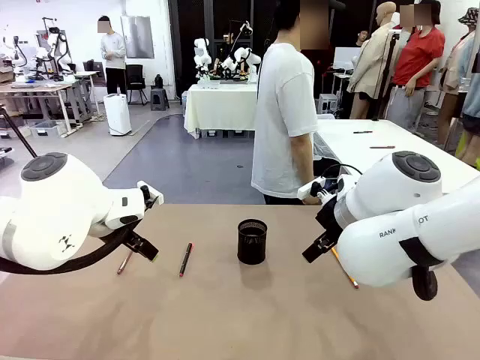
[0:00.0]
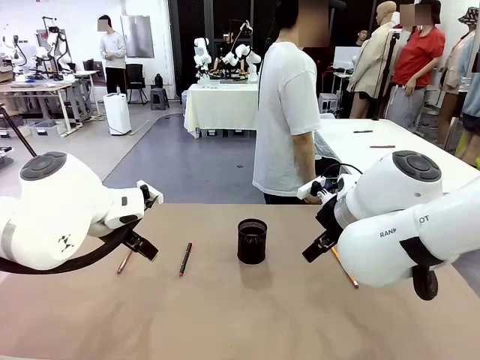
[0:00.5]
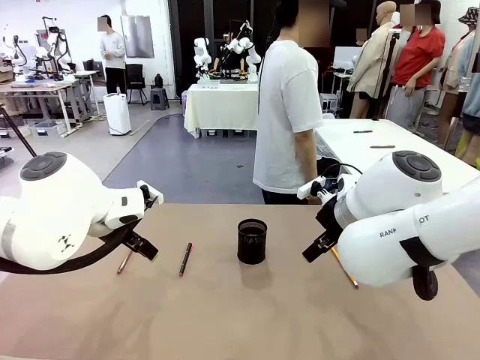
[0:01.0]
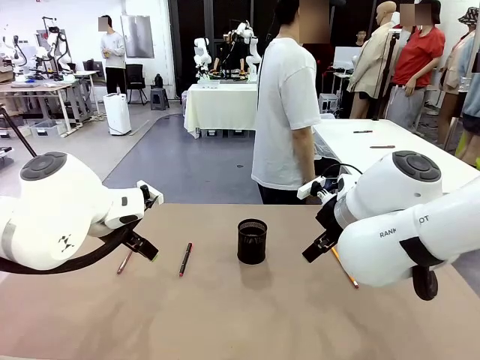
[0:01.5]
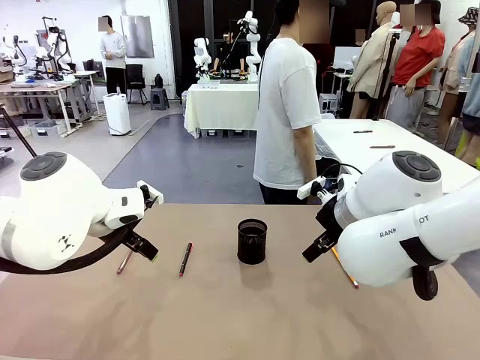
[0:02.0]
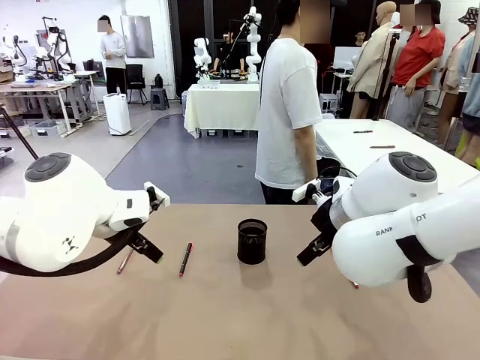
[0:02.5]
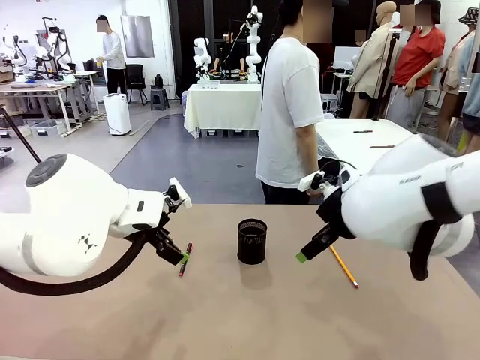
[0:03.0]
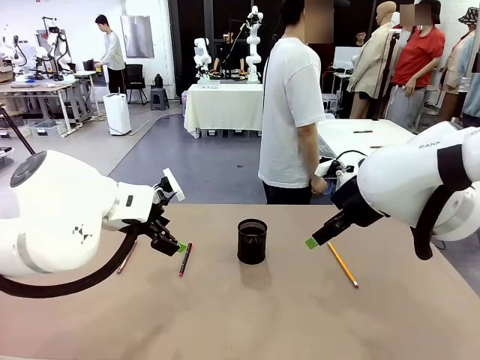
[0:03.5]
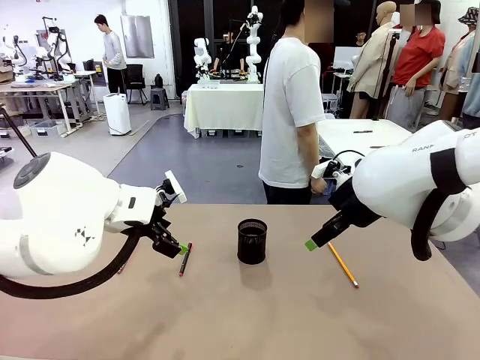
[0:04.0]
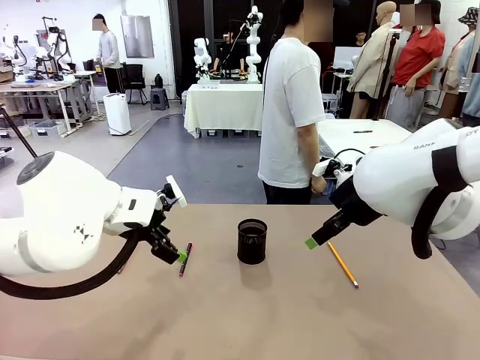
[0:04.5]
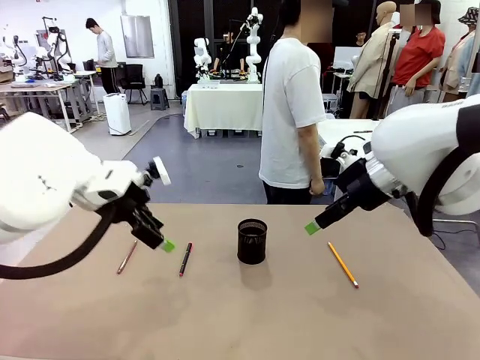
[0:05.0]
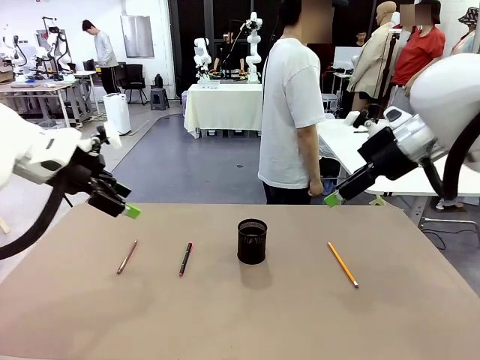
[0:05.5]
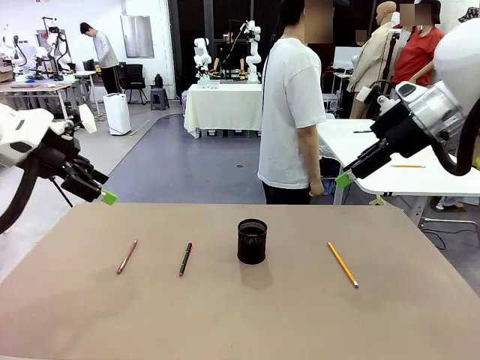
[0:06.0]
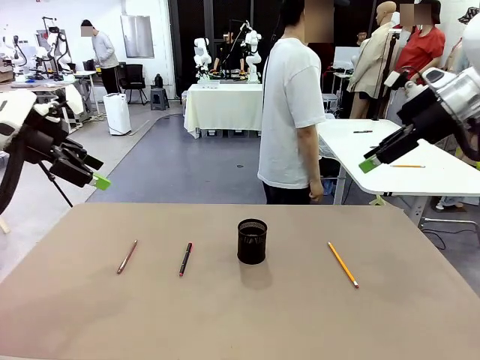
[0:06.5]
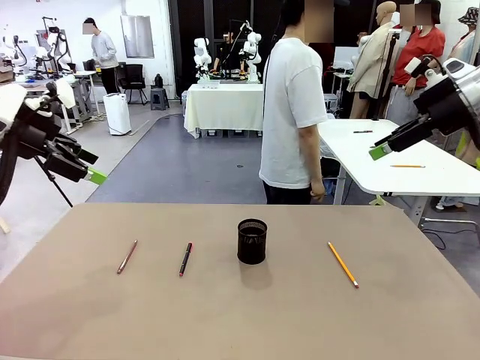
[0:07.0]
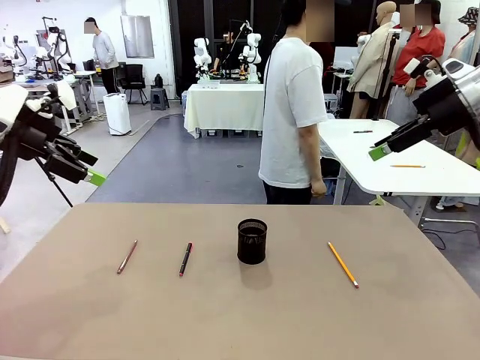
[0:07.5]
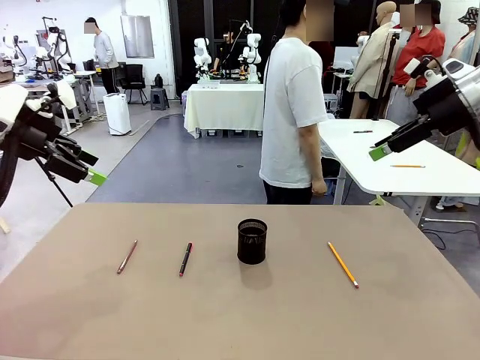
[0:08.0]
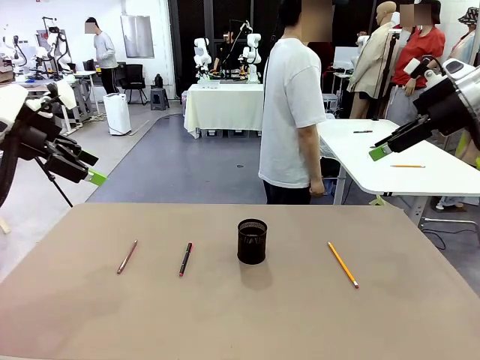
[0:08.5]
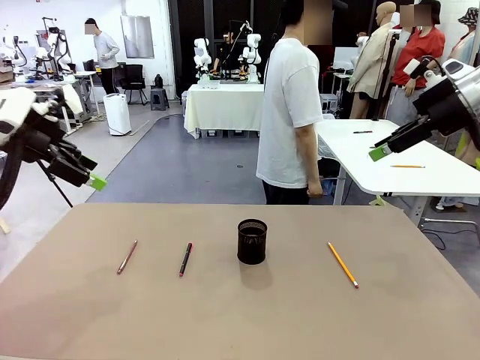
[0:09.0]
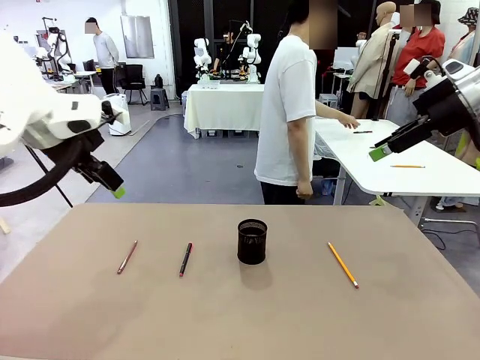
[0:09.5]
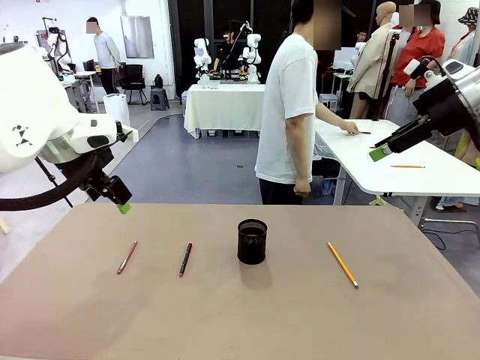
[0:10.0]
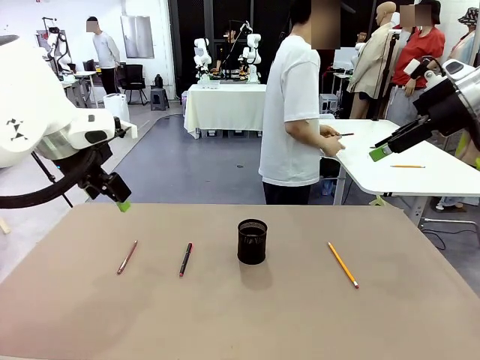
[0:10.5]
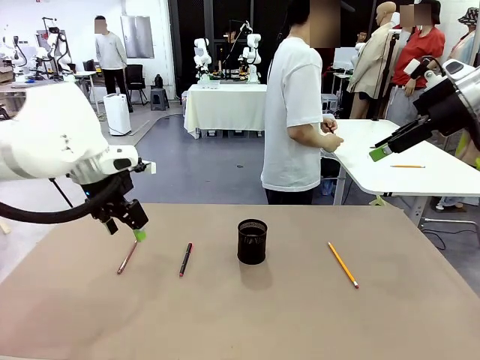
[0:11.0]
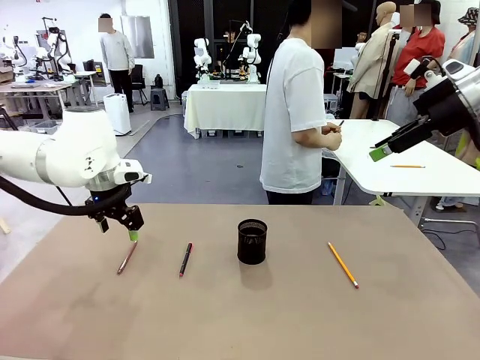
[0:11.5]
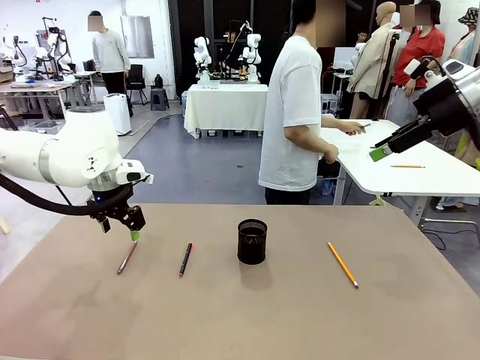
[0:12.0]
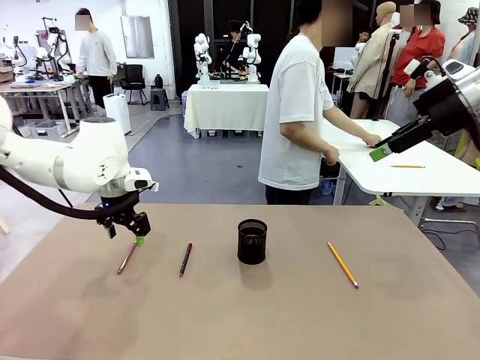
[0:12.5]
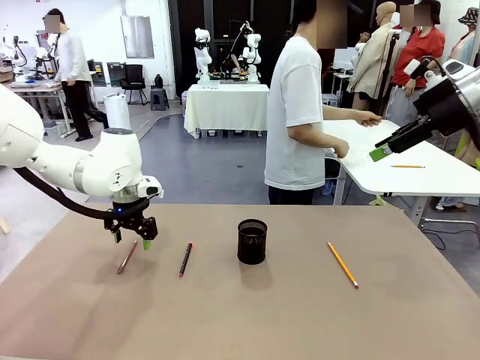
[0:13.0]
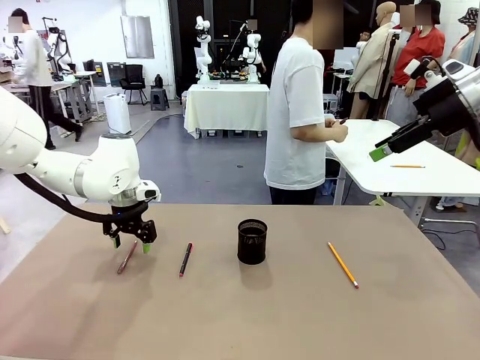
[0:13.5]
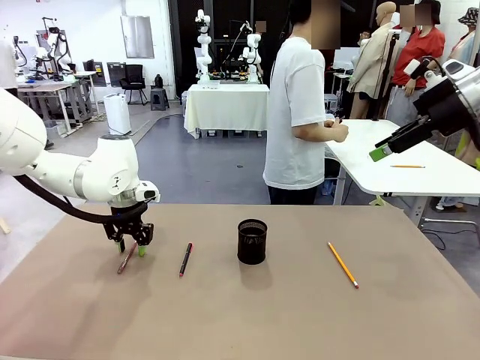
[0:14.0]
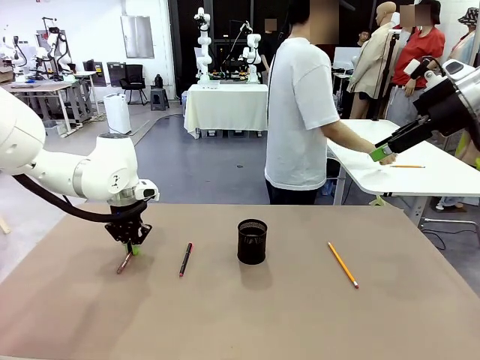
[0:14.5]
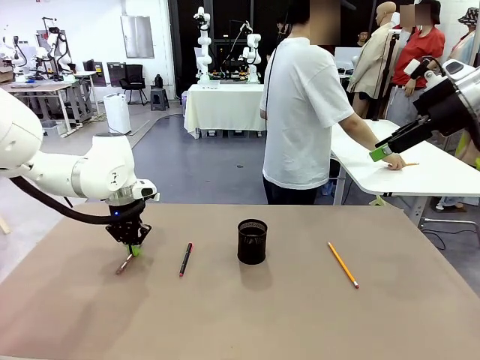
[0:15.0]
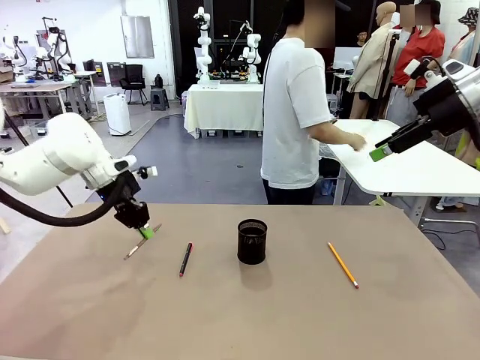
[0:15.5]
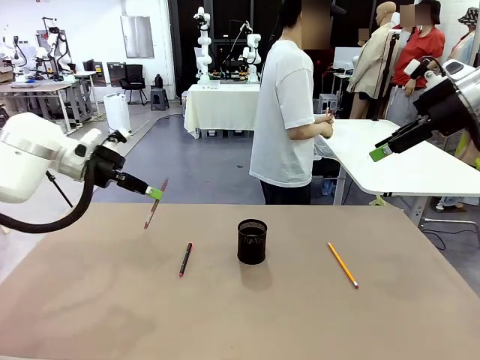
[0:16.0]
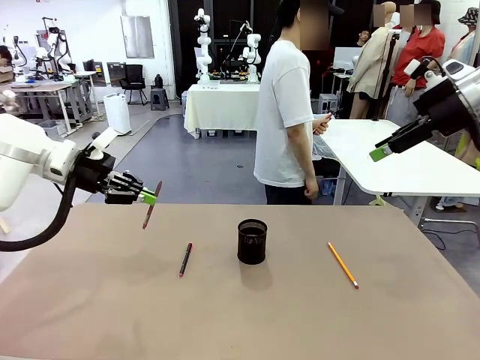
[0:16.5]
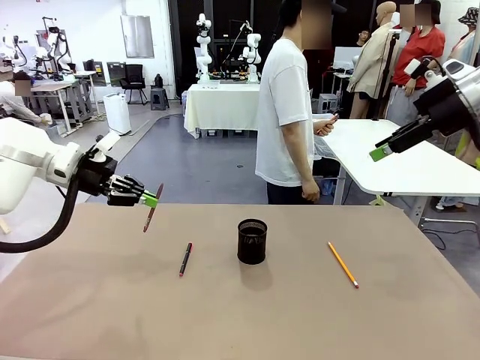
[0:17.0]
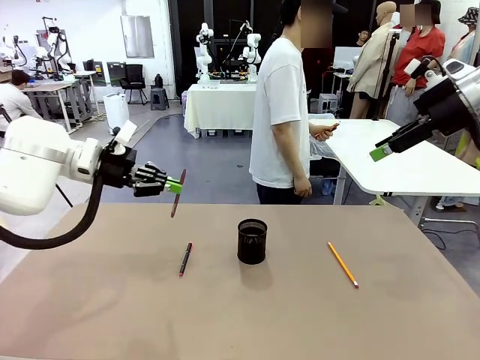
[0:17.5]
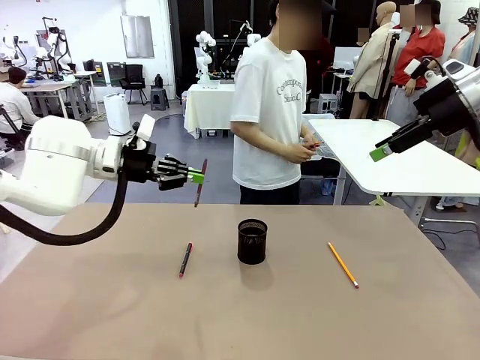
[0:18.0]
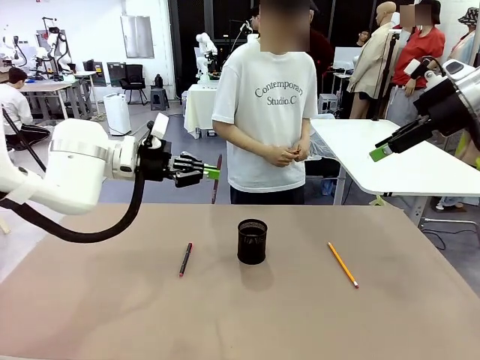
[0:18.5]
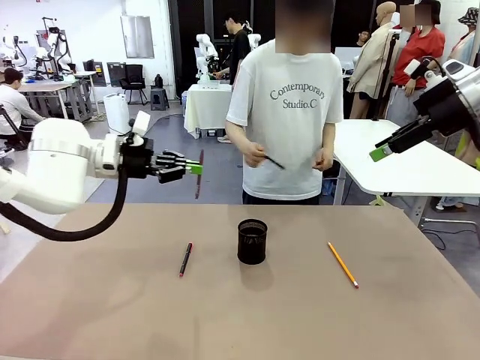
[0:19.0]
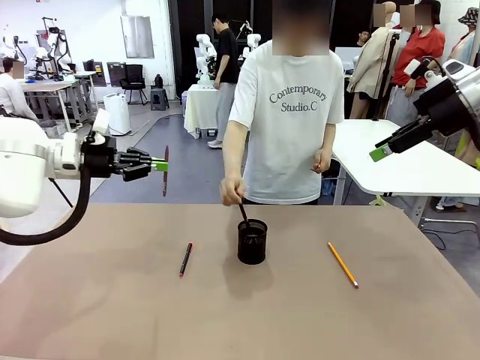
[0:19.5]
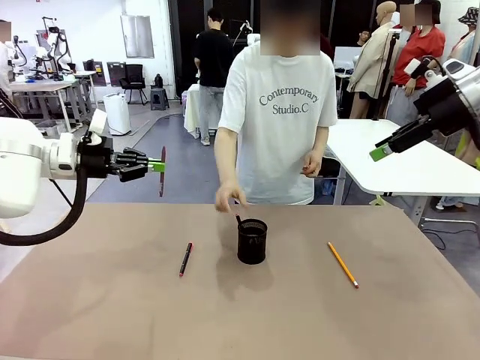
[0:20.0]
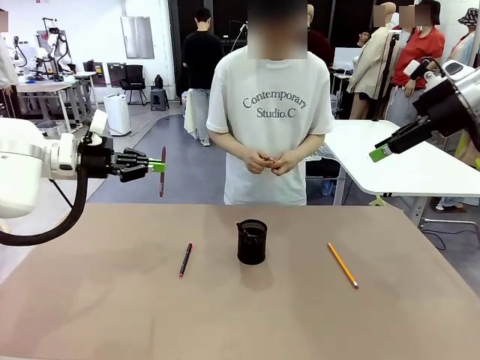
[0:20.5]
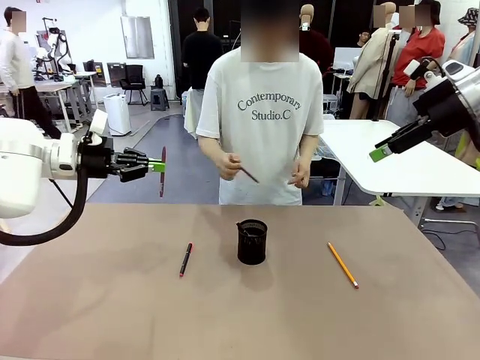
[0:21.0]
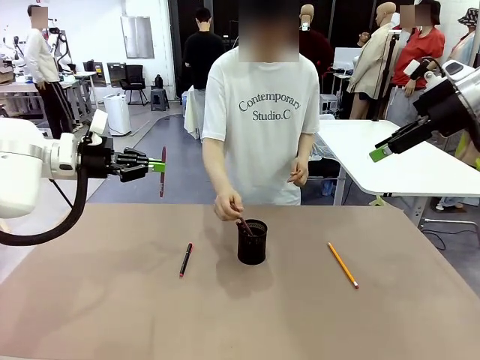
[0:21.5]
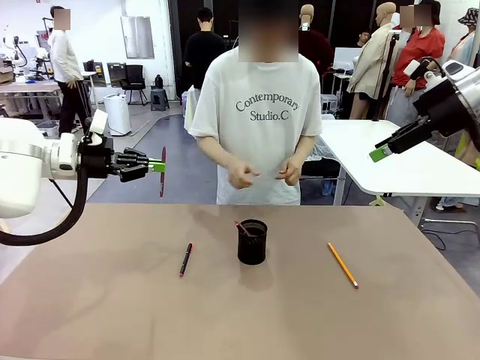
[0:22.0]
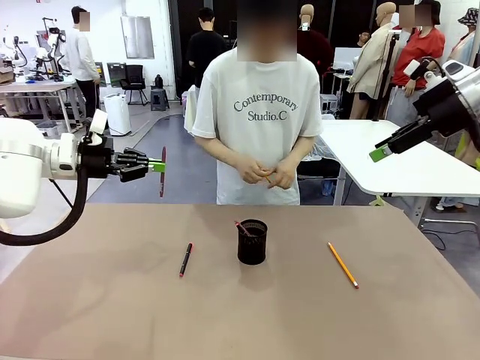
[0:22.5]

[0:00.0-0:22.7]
Task: Place the pens into the pen holder.
Robot: Pick up a writing instrument from the table and place it into the Pen holder.
Person: Pick up all writing instruments from the Human table.
